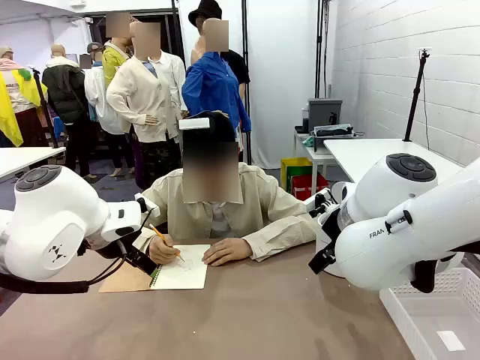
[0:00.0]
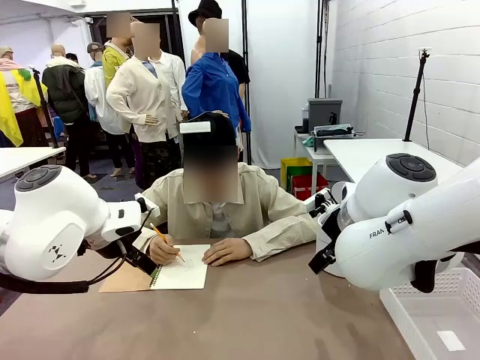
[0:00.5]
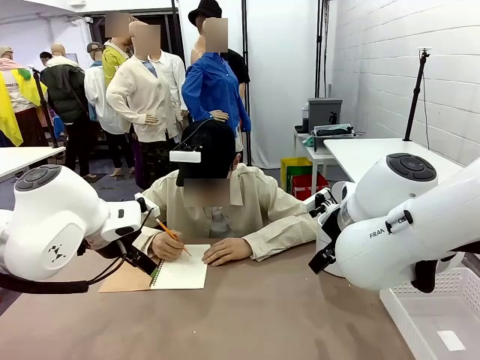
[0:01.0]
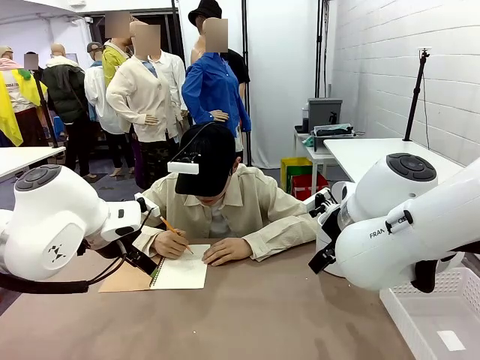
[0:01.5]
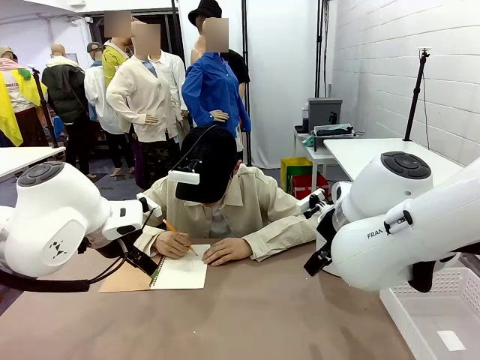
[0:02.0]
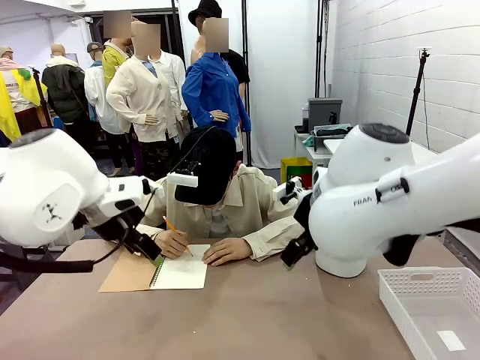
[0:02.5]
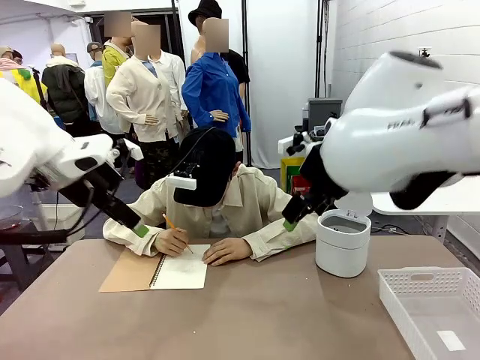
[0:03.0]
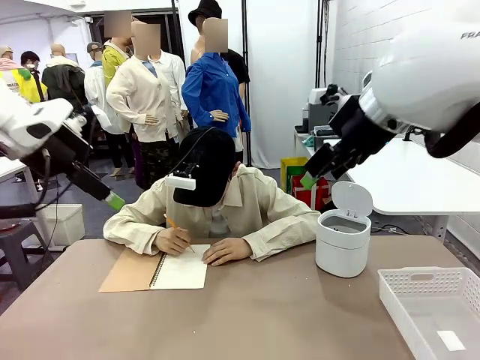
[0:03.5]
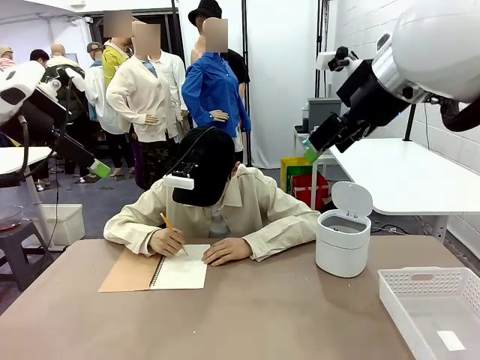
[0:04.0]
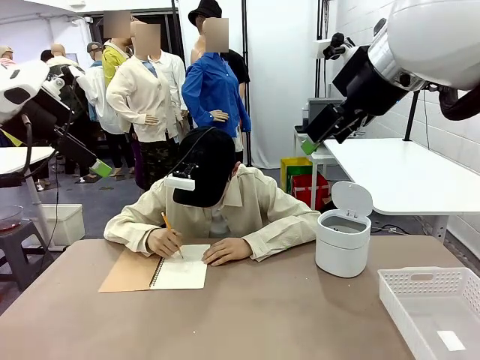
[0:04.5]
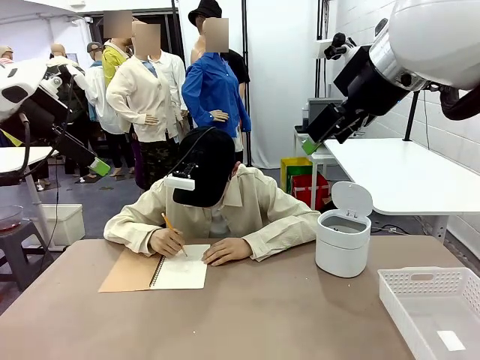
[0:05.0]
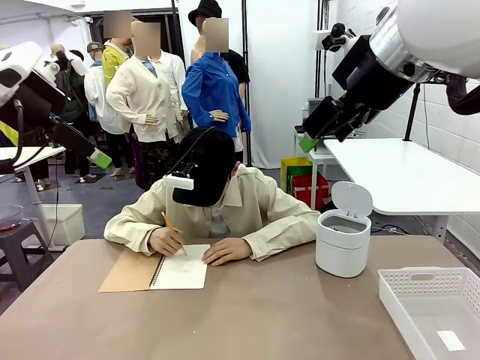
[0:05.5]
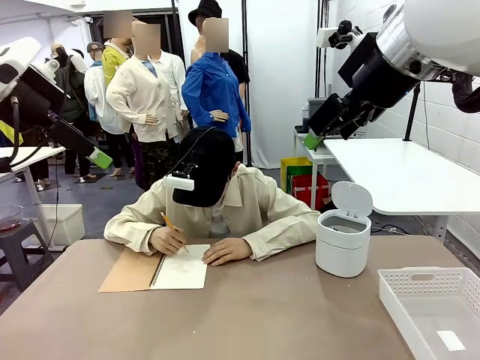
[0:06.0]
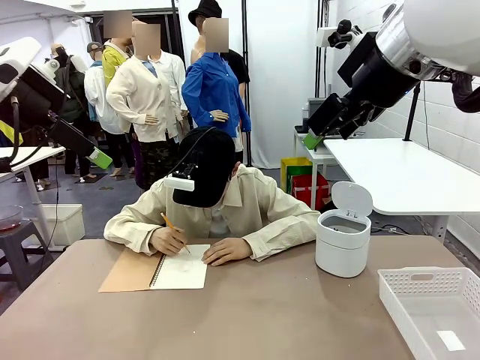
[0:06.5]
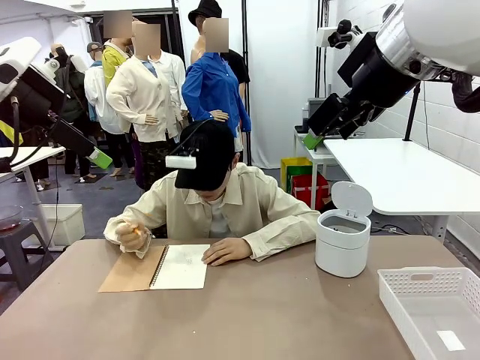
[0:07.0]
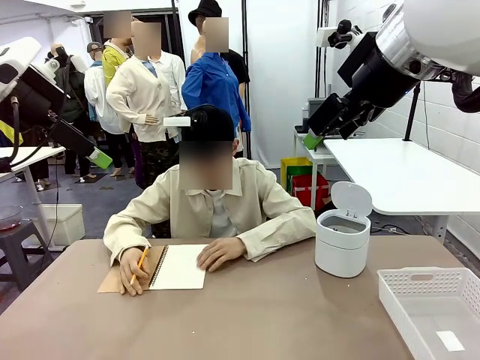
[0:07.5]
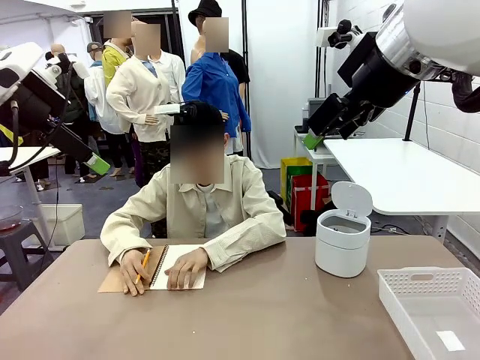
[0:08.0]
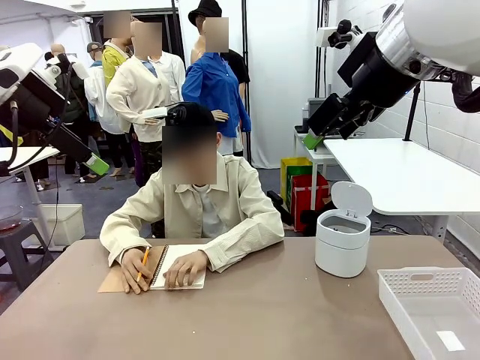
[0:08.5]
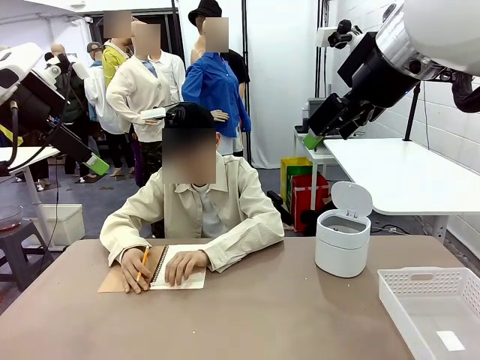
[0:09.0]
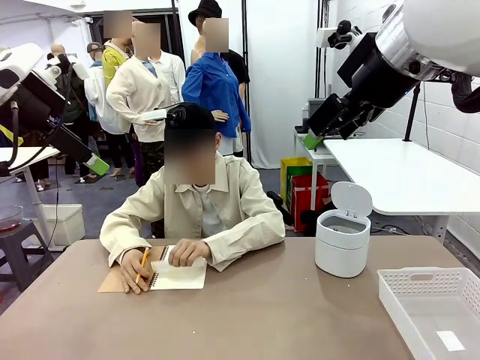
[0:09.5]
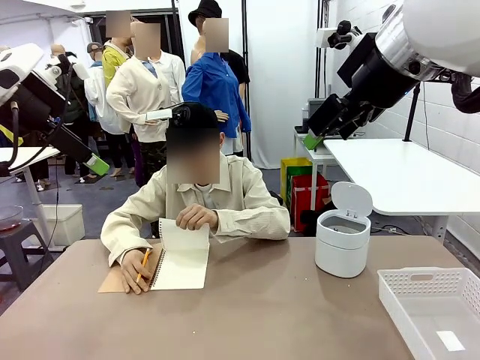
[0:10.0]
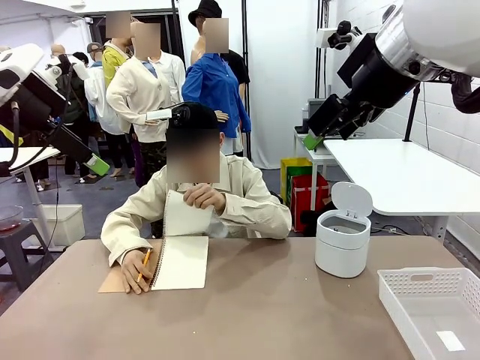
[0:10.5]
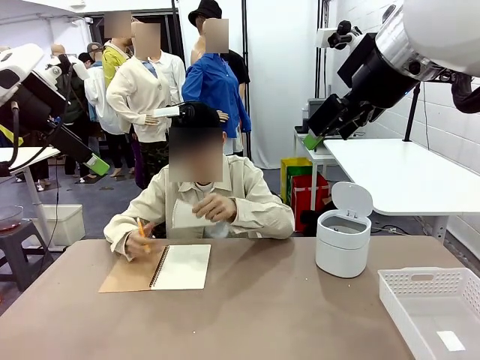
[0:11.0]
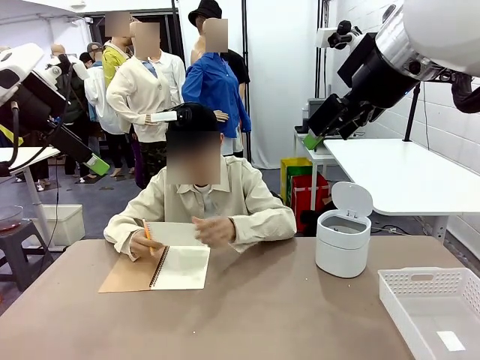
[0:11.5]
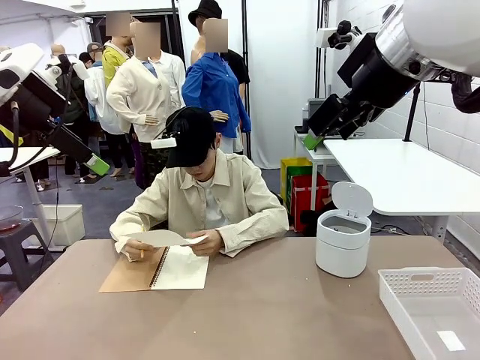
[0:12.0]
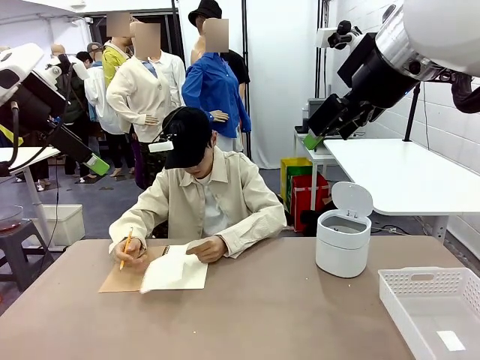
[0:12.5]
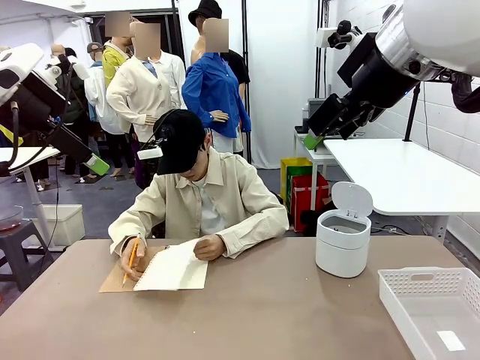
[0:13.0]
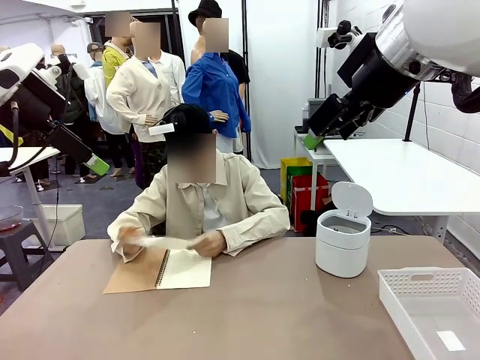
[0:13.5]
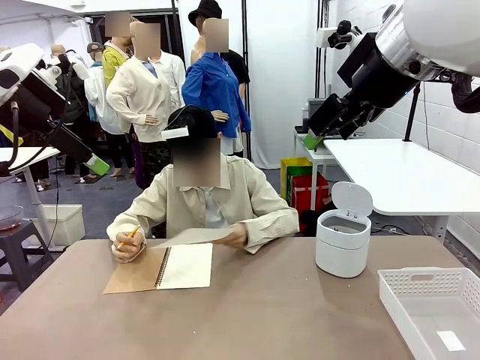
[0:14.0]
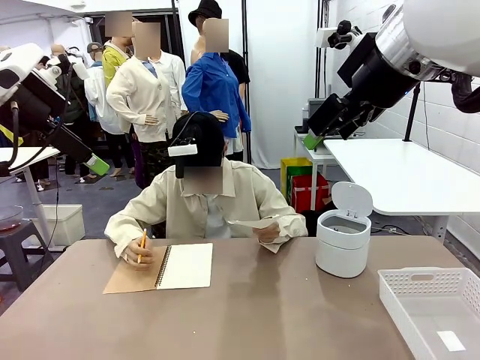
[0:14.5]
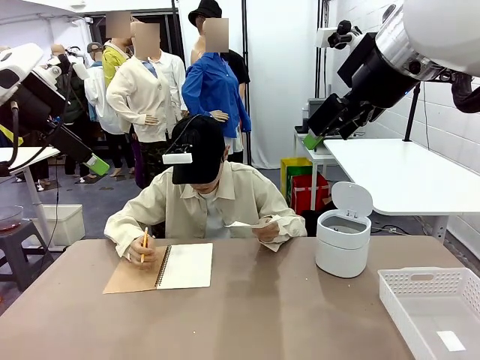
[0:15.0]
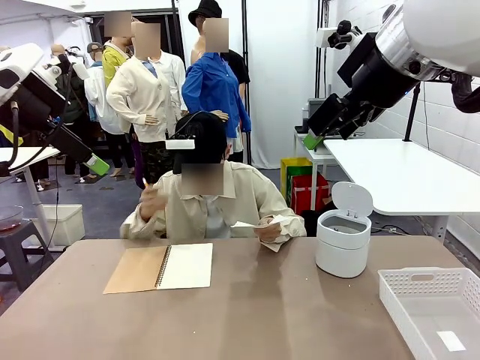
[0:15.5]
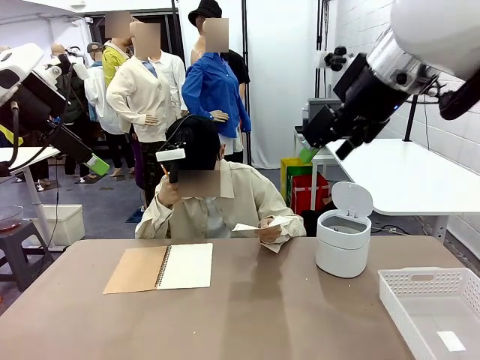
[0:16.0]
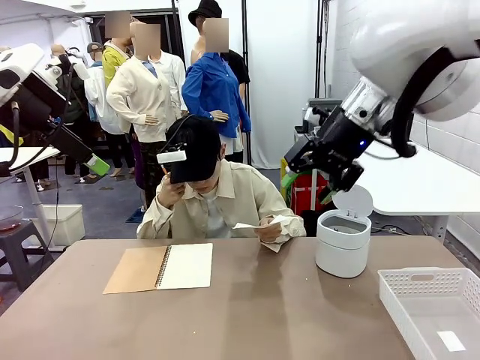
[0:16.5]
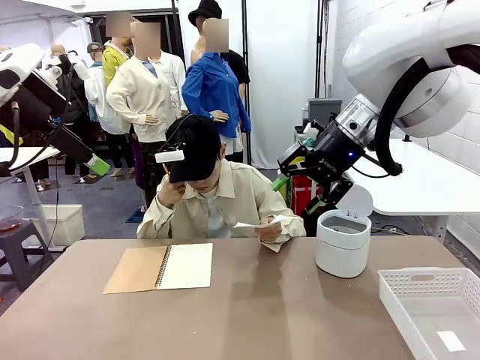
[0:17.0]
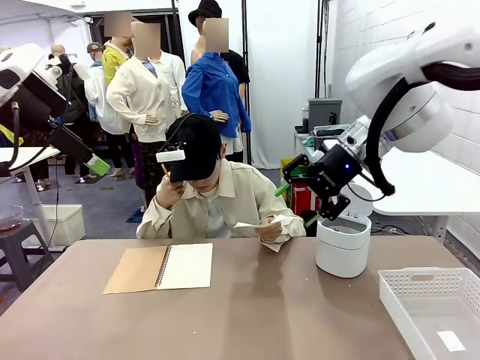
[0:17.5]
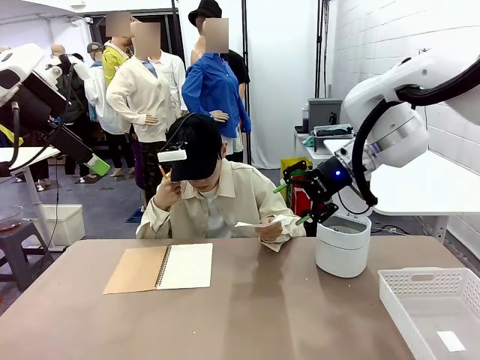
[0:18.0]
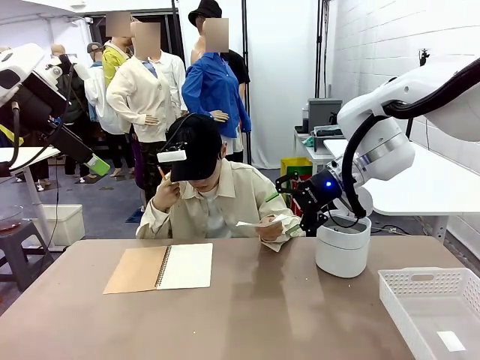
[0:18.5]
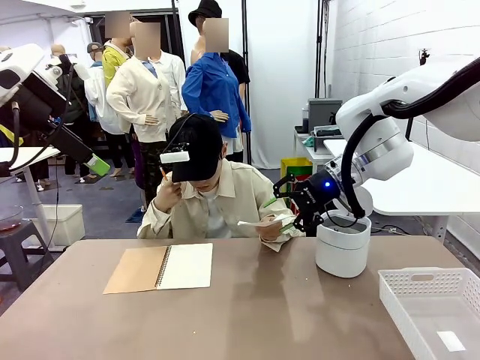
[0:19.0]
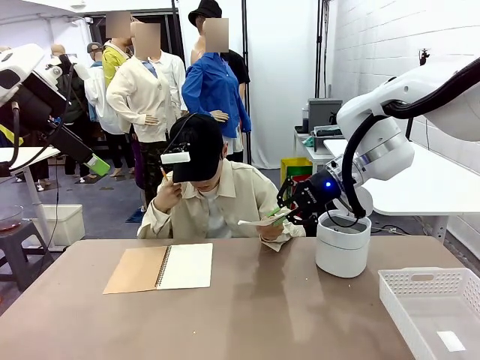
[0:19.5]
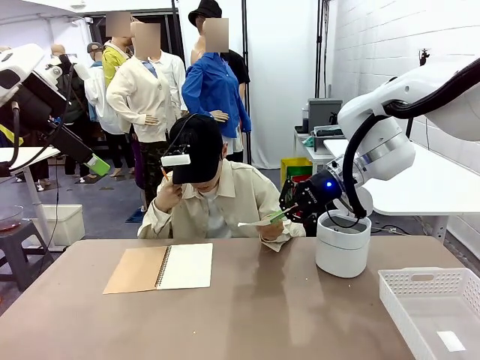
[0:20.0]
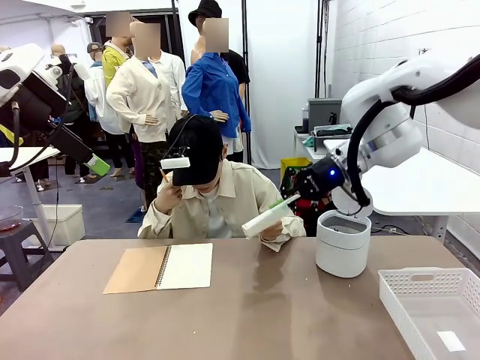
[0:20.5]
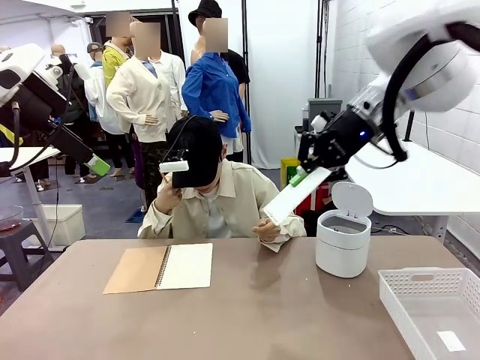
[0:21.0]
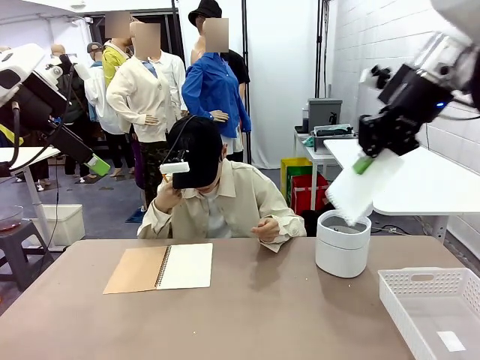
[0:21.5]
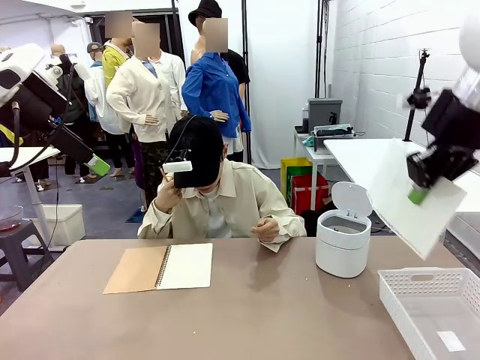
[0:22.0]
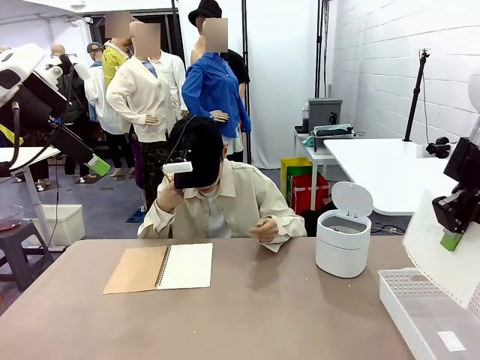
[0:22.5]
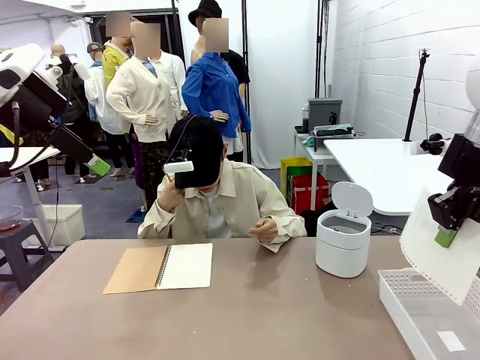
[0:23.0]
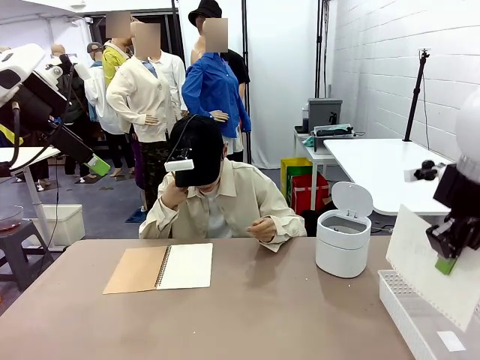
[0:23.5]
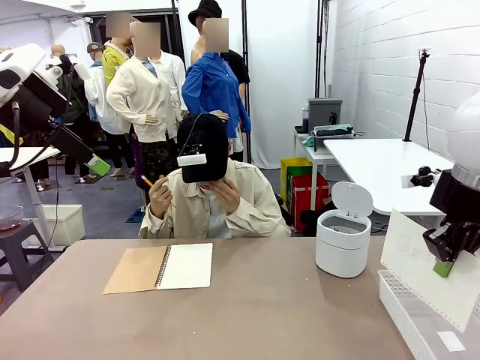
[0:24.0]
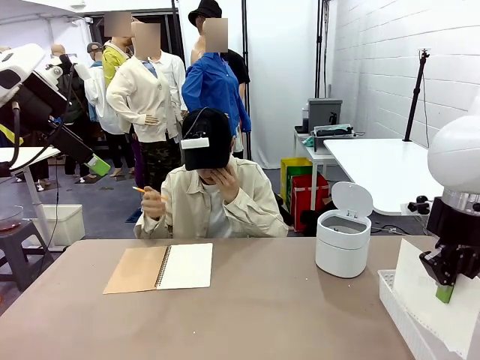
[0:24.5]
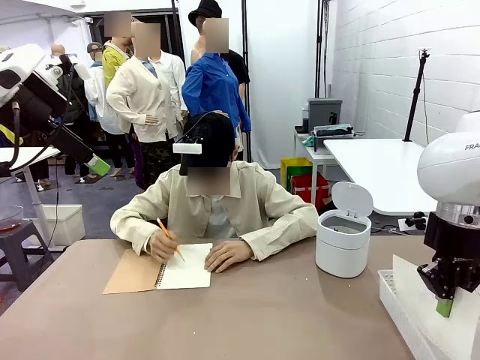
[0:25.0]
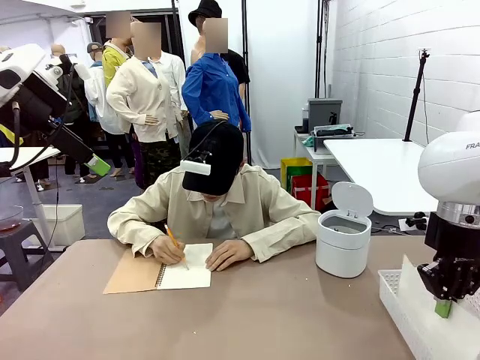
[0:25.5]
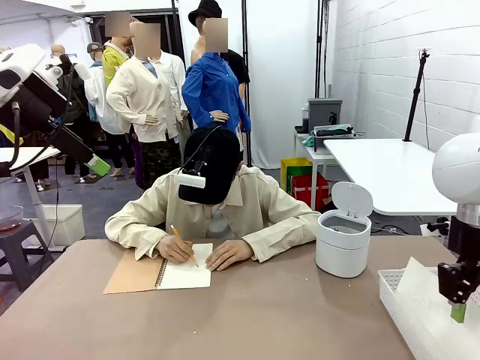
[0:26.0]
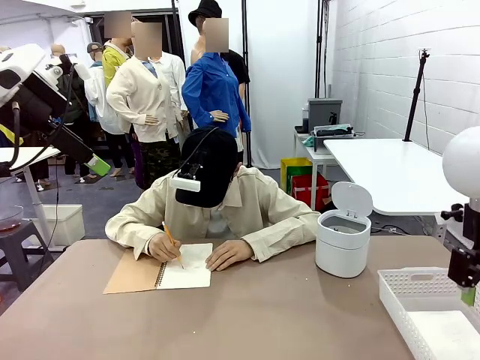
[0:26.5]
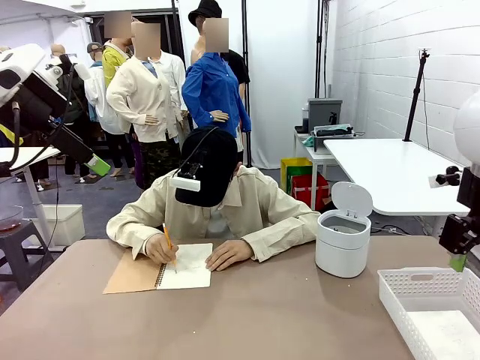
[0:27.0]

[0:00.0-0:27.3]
Task: Sort the paper based on its condition.
Robot: If a person hands you a paper, place it in the Organizing basket , and if it's crumpled, put it in the Trash can.
Person: Tear out a page from the spiral notebook. Hand the torn page to the robot or crumple it and throw it to the center of the table. Tear out a page from the spiral notebook.
